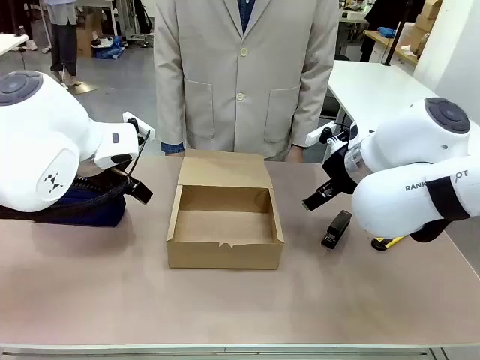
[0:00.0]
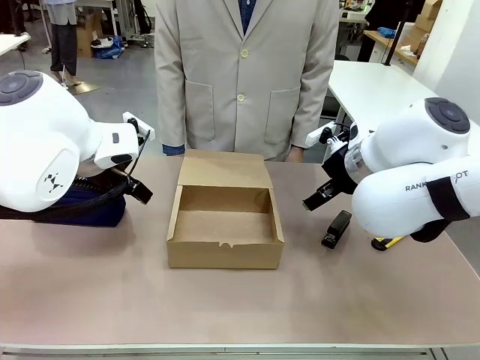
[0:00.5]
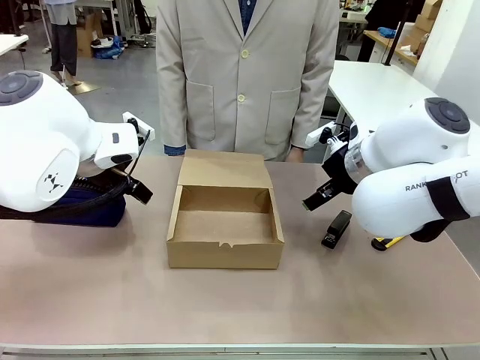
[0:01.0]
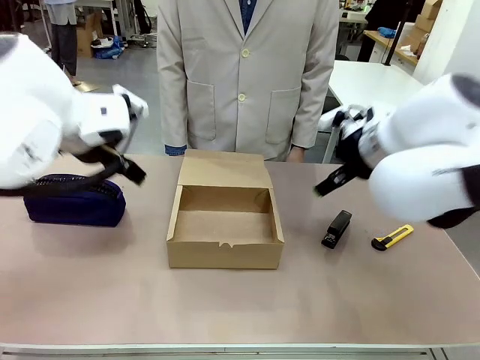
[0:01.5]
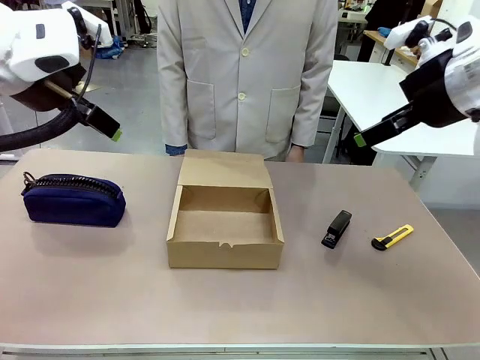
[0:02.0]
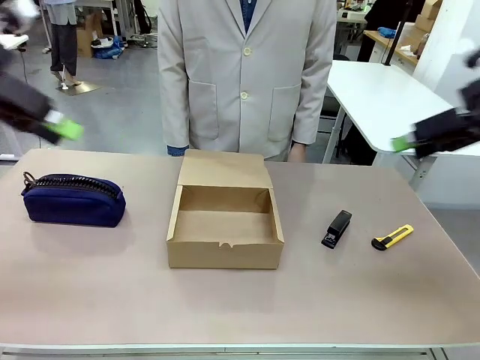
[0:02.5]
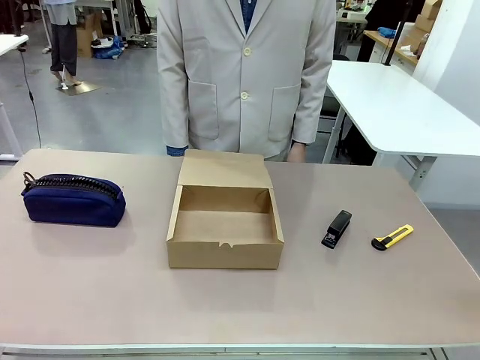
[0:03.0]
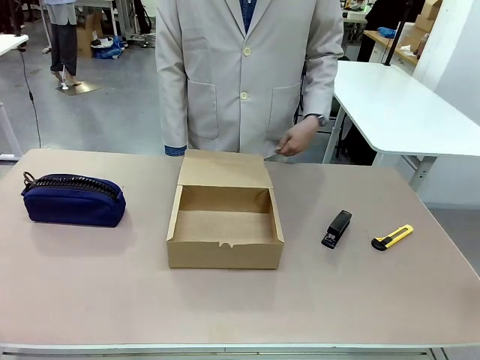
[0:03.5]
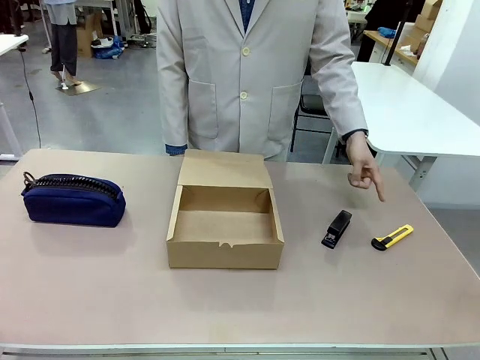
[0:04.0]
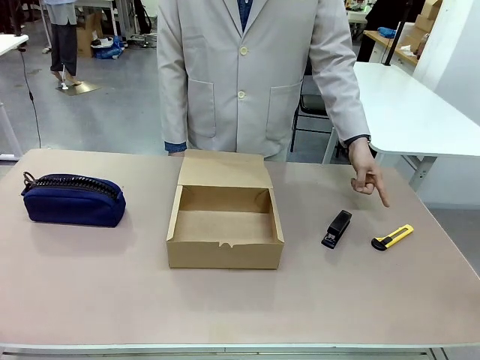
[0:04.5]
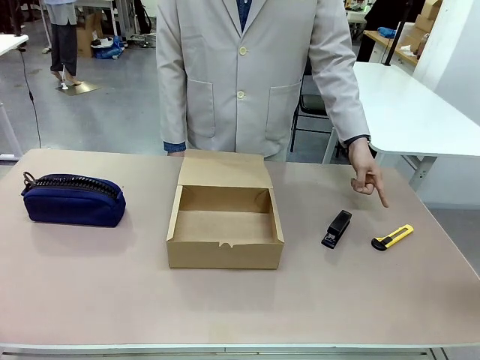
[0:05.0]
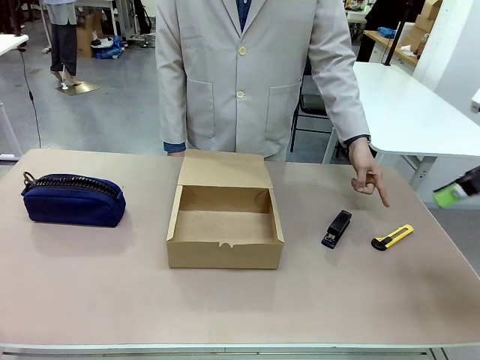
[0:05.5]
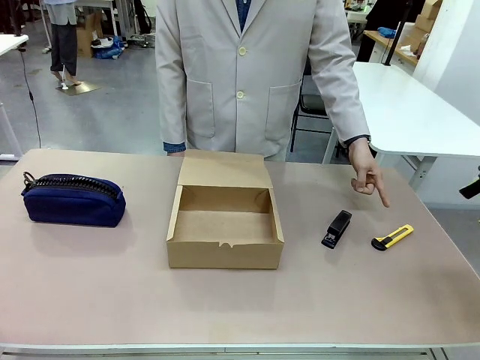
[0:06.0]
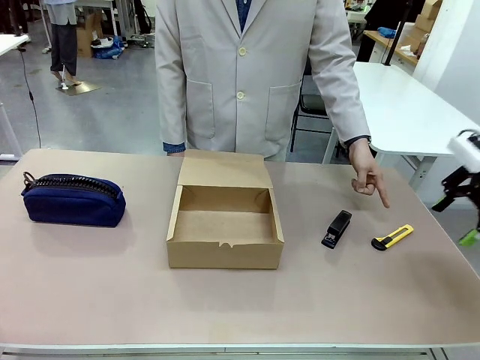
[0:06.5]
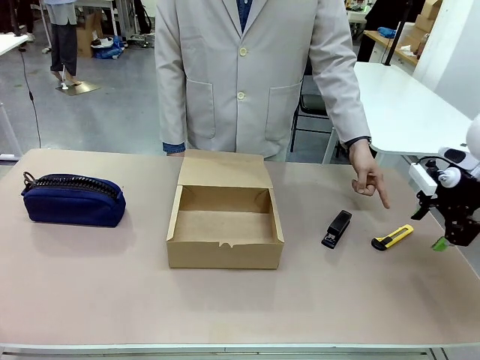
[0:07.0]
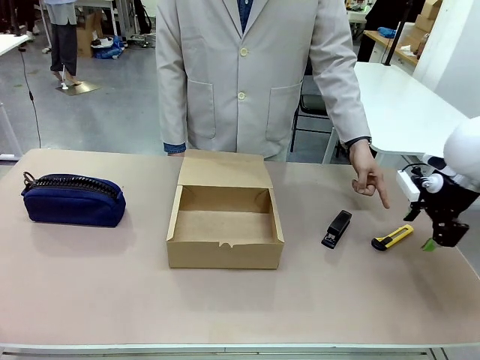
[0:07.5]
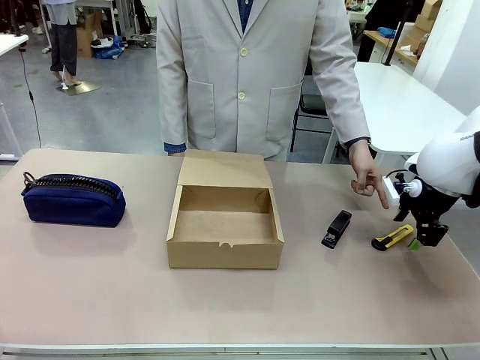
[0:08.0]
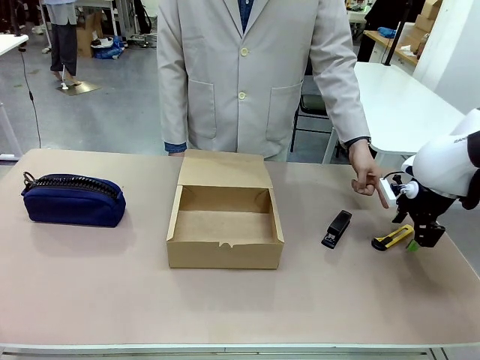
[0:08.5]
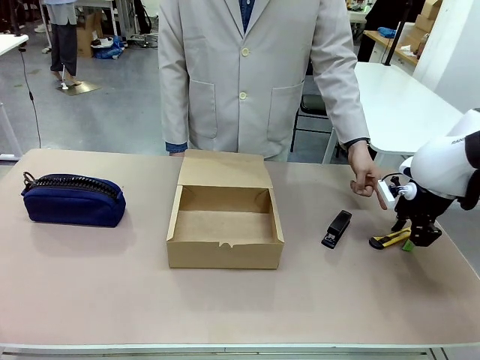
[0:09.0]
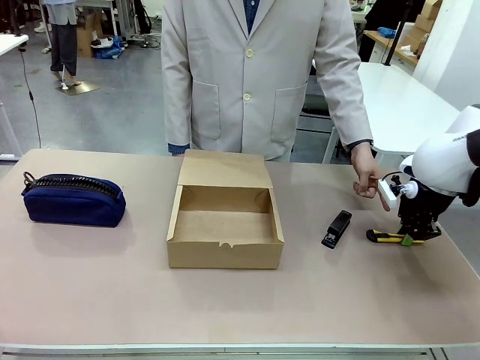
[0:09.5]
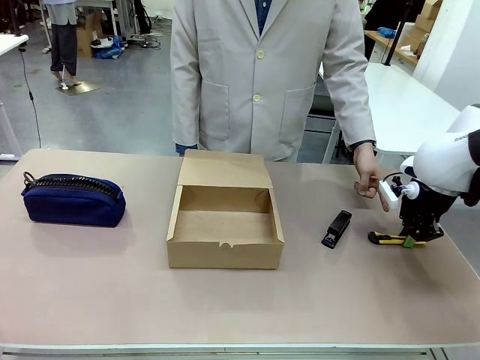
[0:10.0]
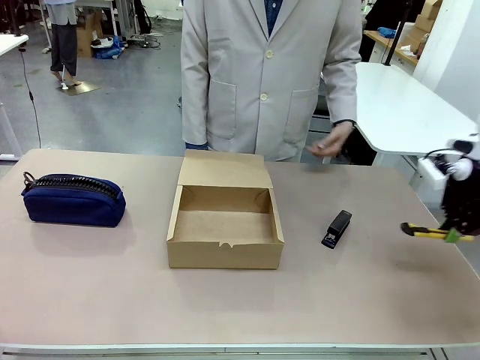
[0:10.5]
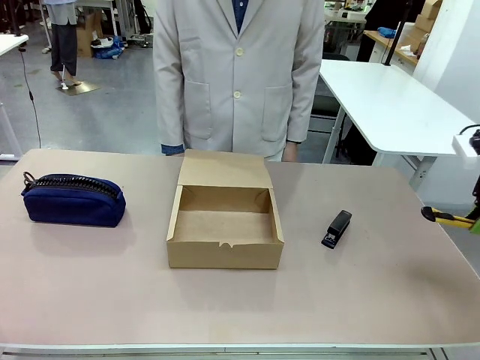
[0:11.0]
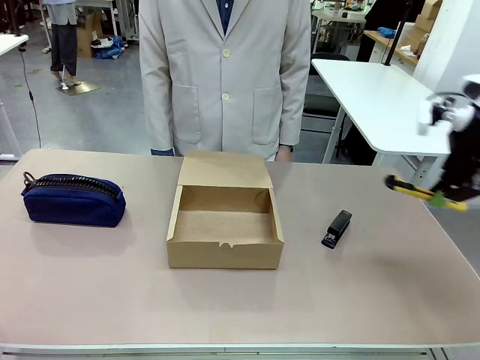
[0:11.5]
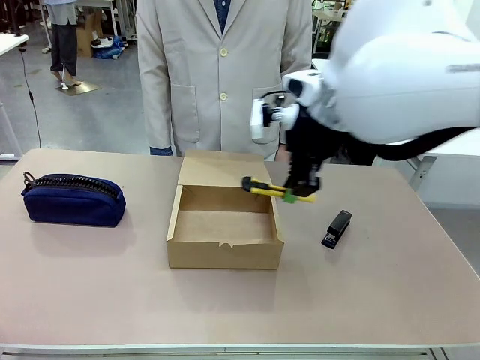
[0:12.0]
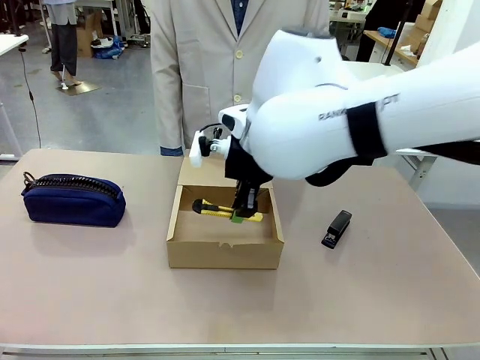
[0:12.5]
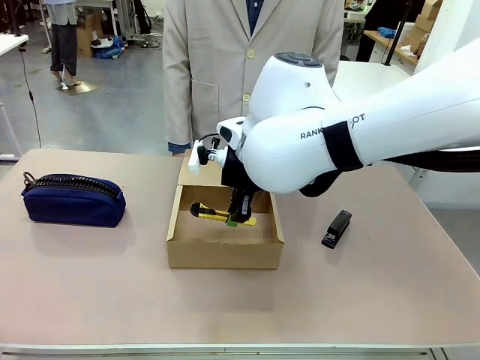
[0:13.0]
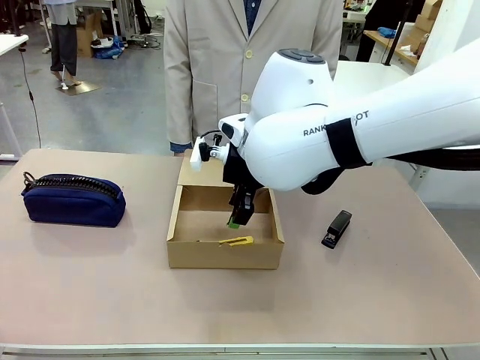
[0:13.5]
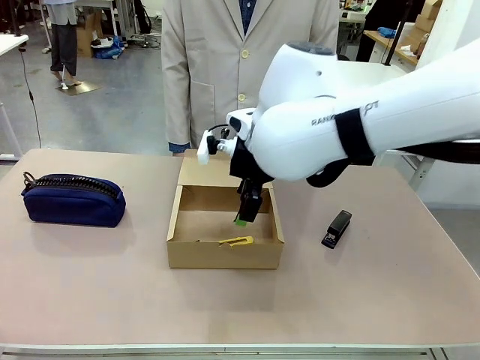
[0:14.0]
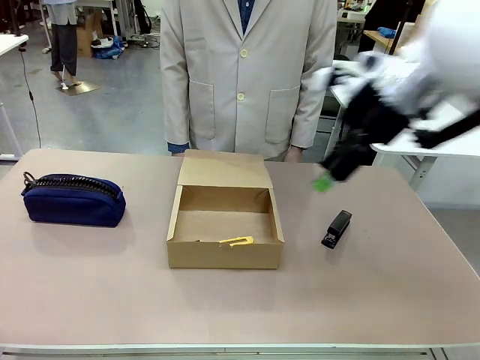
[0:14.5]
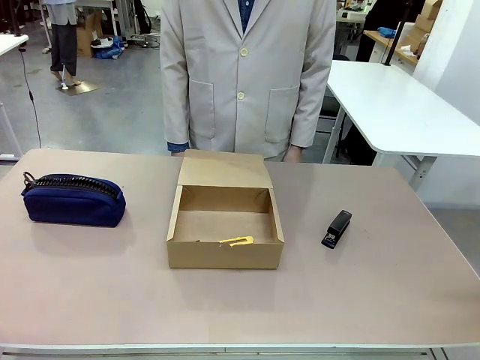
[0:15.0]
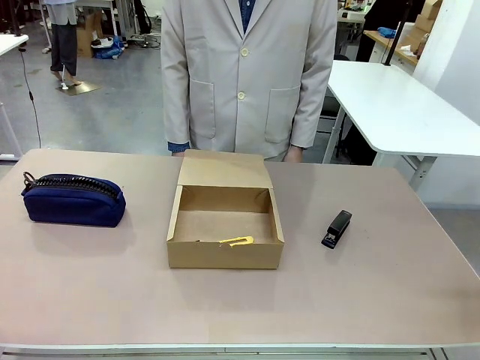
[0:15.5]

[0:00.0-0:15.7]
Task: Pack the item into the box.
Robot: Pick up the item indicated by the person and place it inside the Mailer Box.
Person: Point at one item on the table (excluding the box).
